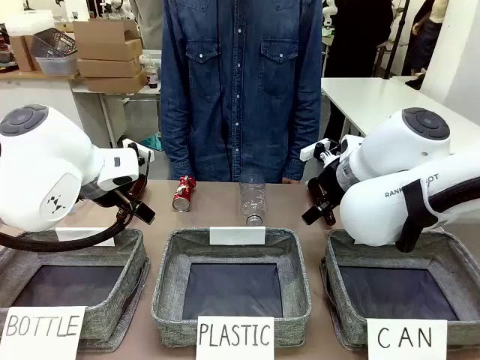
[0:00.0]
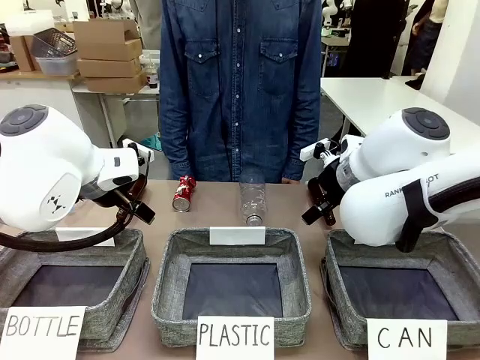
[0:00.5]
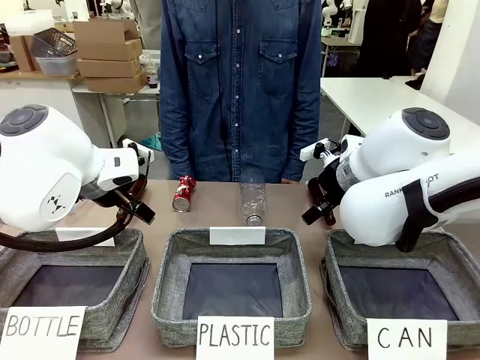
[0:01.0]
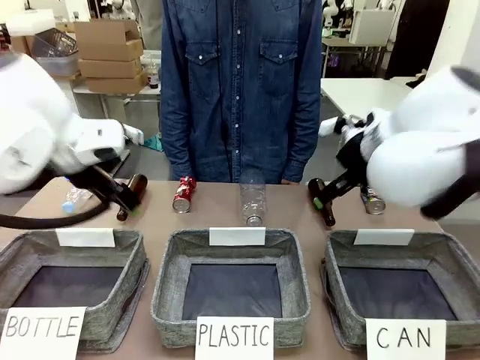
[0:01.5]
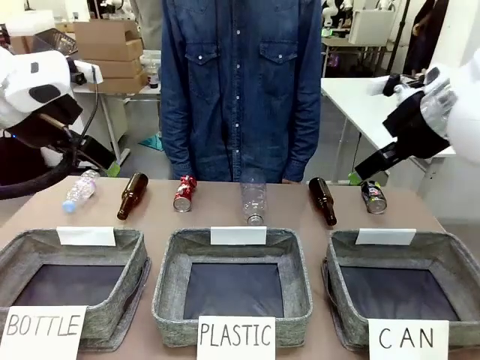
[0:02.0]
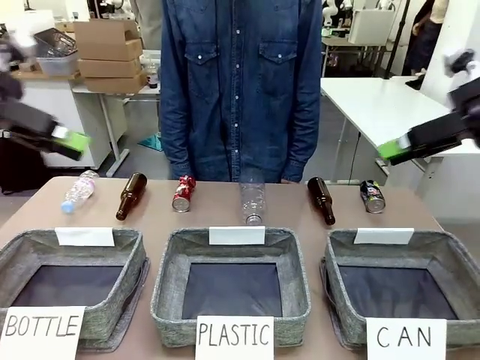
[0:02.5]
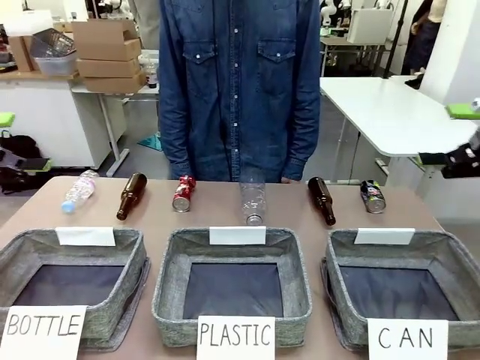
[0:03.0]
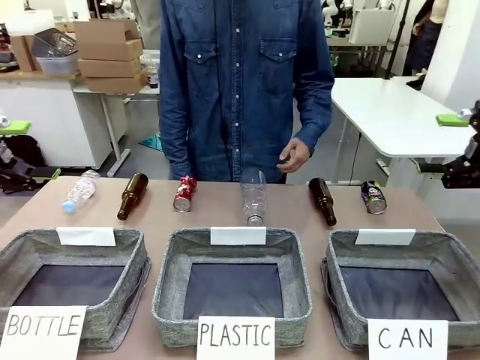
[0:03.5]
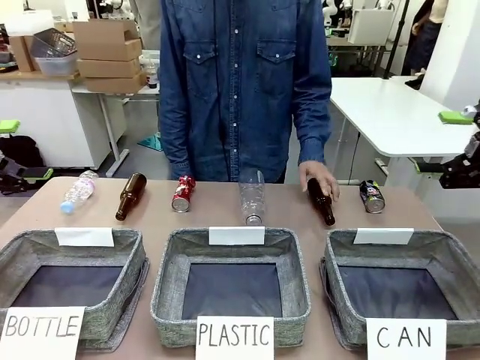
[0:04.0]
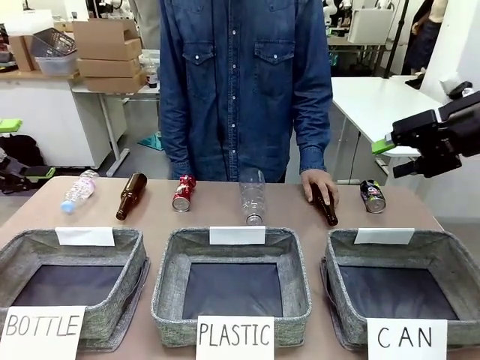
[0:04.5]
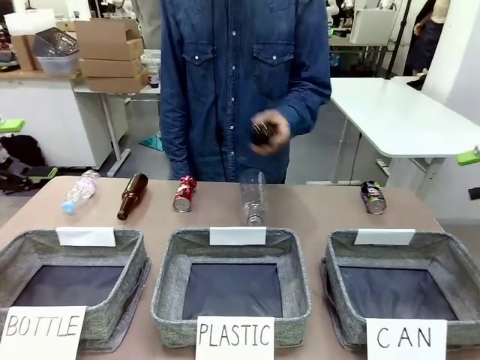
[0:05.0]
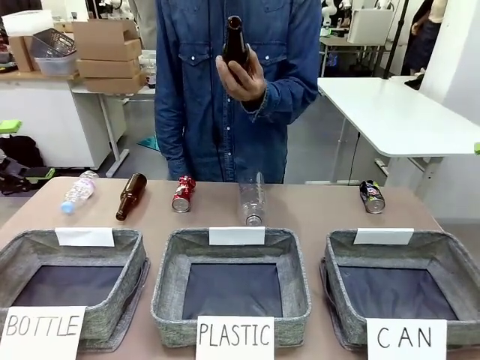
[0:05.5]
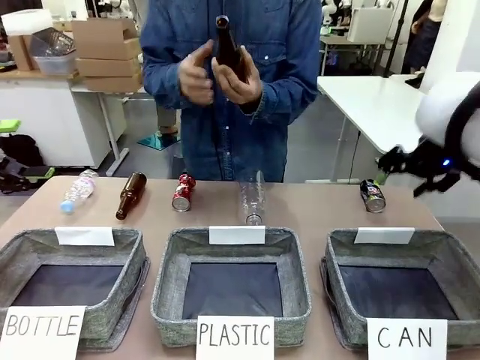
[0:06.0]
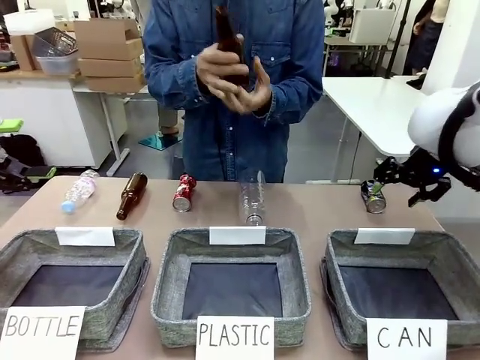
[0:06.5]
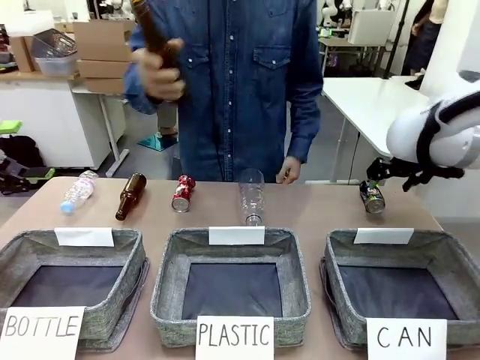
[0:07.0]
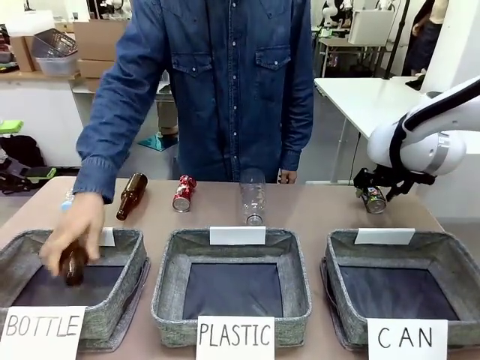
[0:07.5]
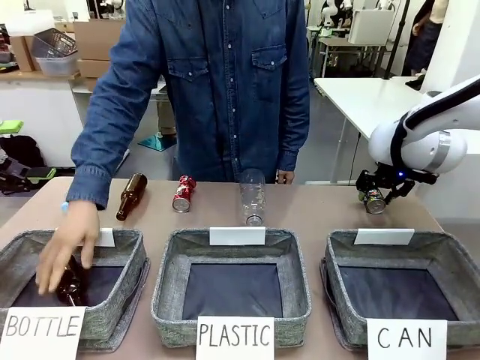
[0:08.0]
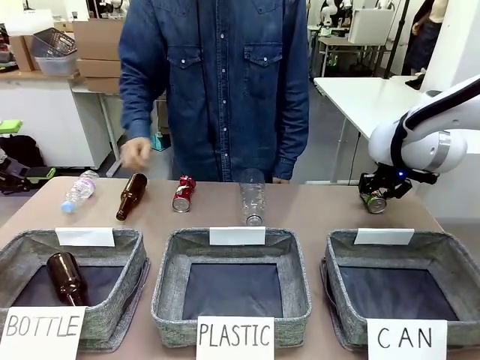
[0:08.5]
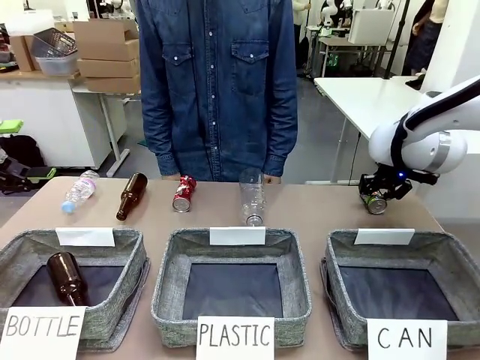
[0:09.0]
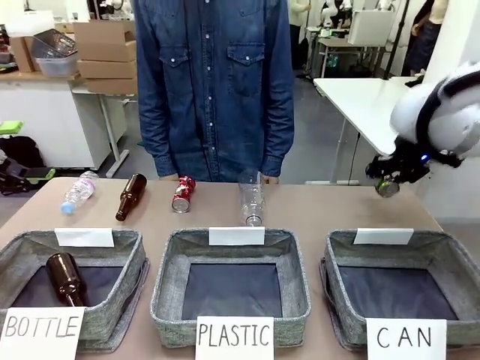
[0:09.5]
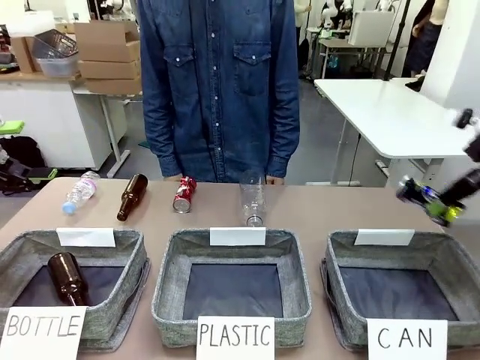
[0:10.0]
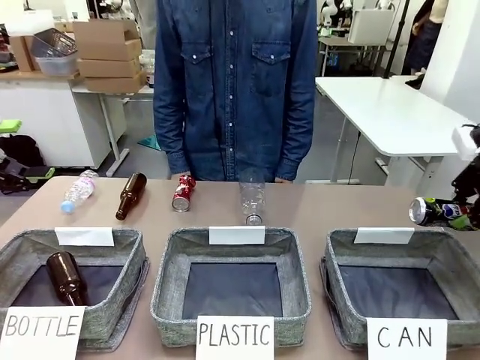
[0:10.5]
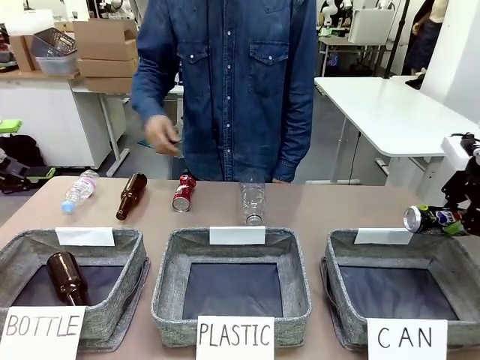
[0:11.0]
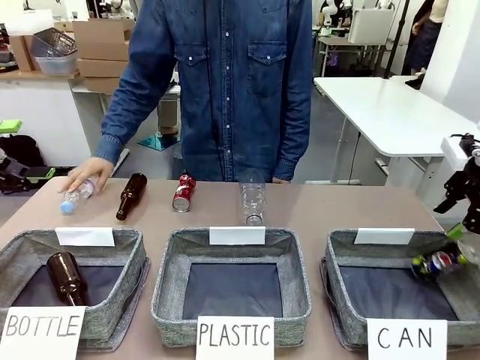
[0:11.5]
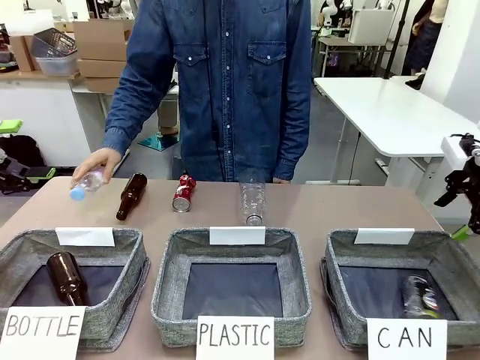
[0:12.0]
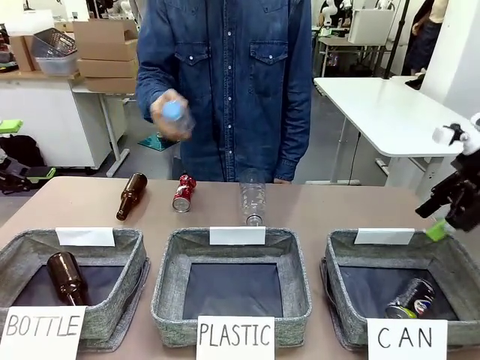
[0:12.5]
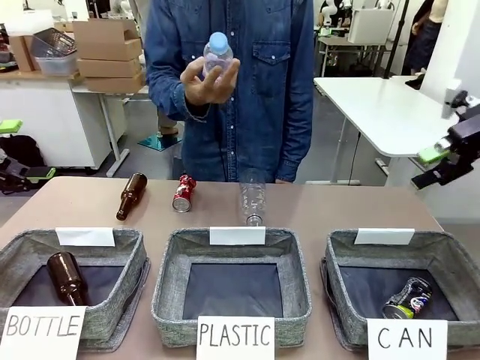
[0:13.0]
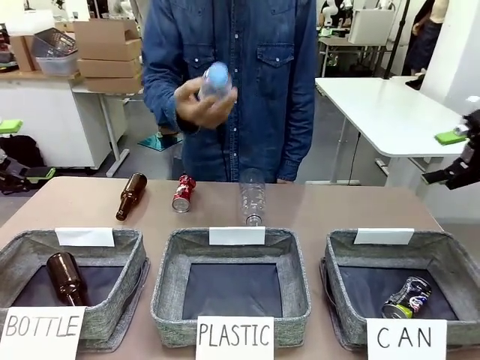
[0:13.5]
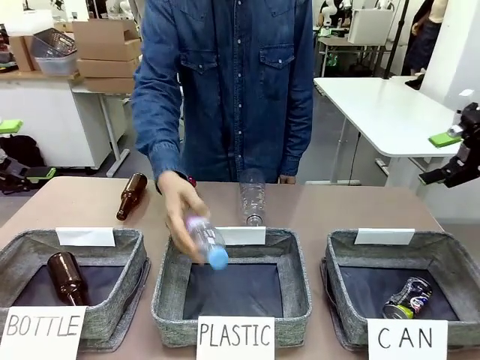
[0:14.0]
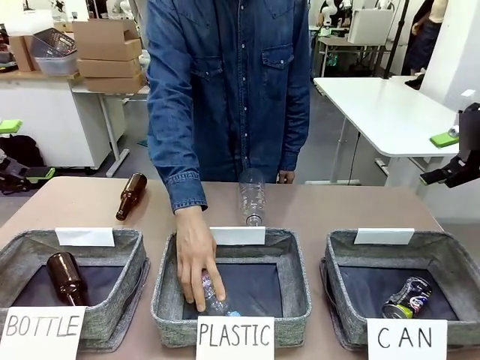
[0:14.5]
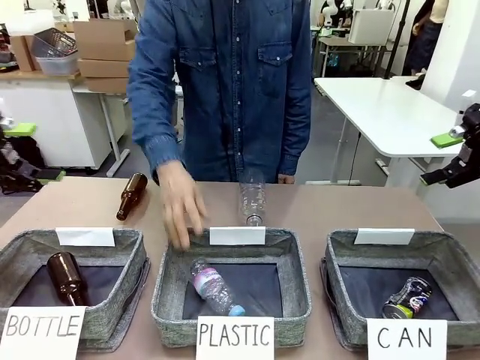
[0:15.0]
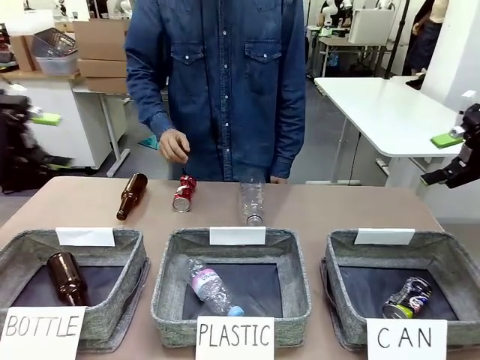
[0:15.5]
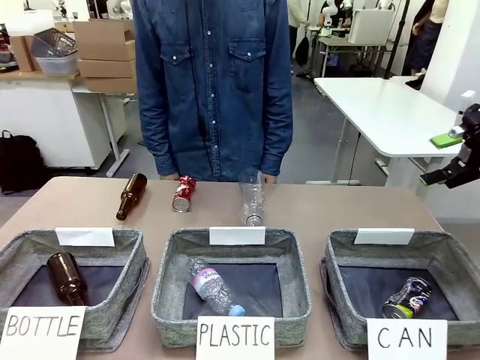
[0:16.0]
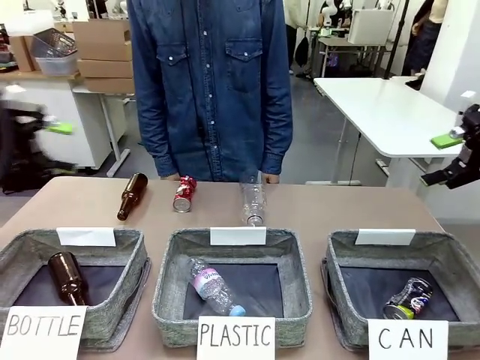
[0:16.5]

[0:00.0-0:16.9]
Task: Sort the can waste into the basket.
Robot: Pick up the can waste from the table and place it in the right Fabric basket.
